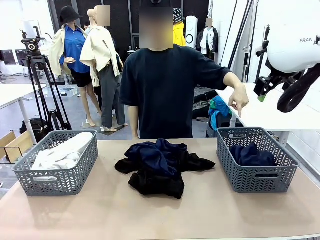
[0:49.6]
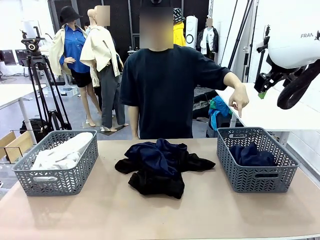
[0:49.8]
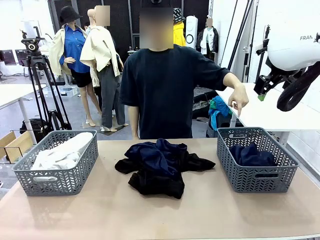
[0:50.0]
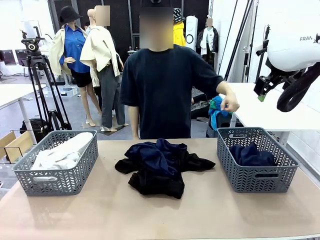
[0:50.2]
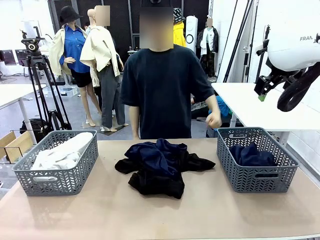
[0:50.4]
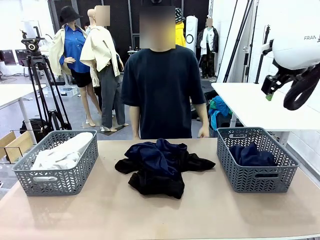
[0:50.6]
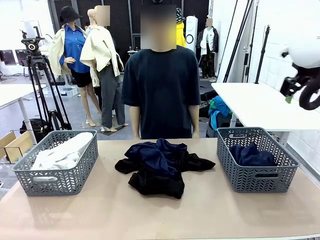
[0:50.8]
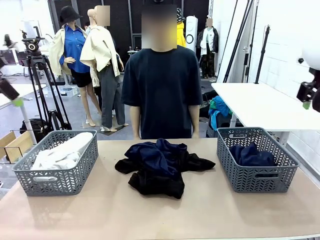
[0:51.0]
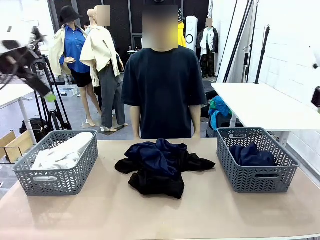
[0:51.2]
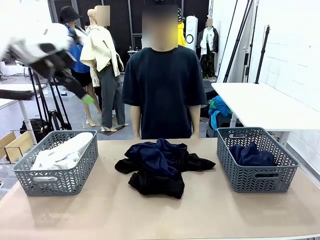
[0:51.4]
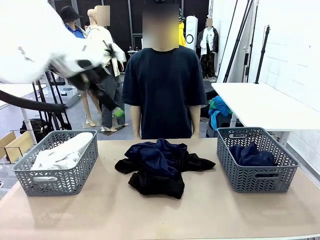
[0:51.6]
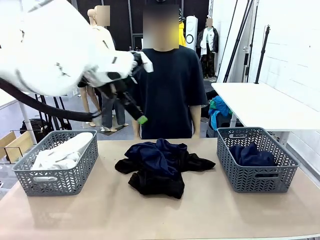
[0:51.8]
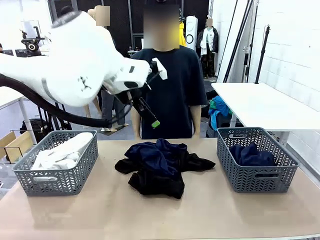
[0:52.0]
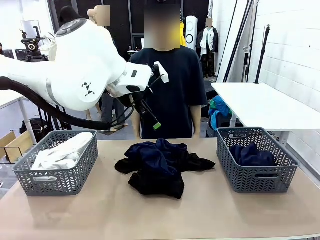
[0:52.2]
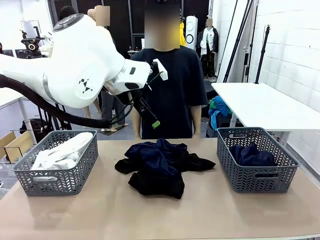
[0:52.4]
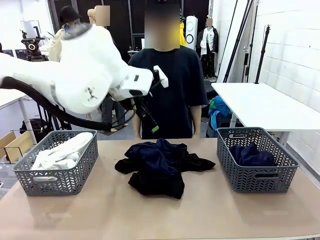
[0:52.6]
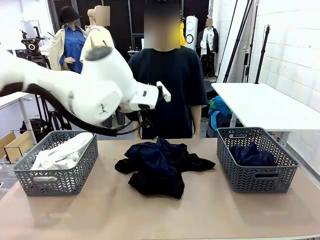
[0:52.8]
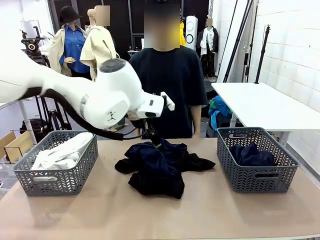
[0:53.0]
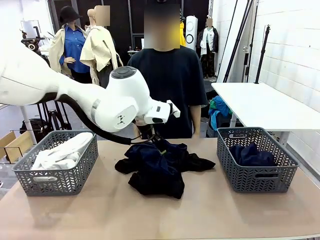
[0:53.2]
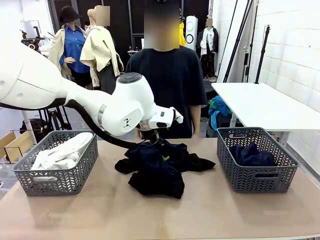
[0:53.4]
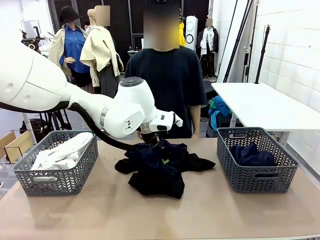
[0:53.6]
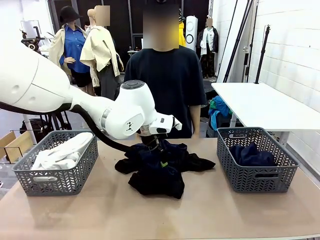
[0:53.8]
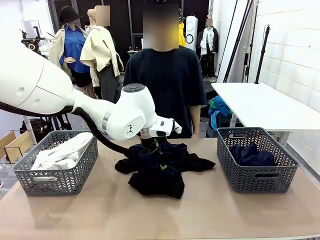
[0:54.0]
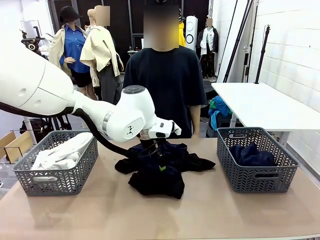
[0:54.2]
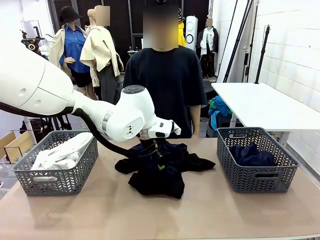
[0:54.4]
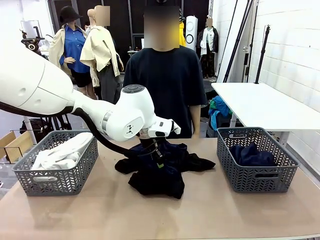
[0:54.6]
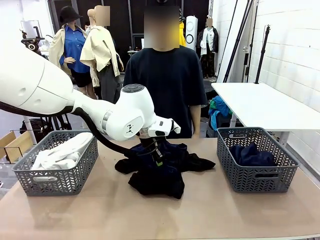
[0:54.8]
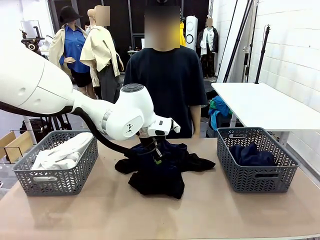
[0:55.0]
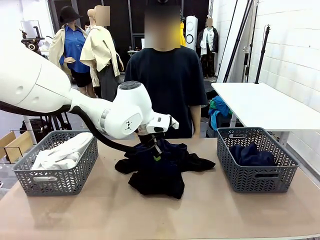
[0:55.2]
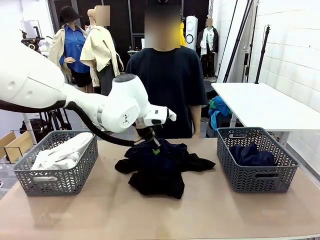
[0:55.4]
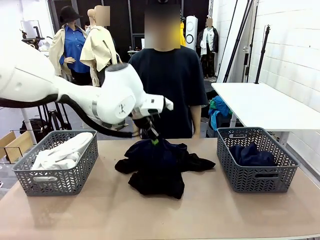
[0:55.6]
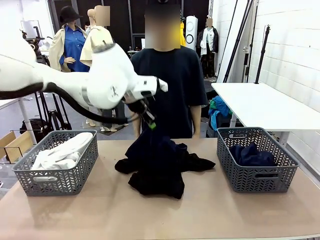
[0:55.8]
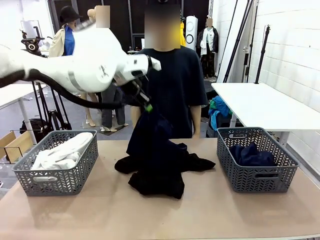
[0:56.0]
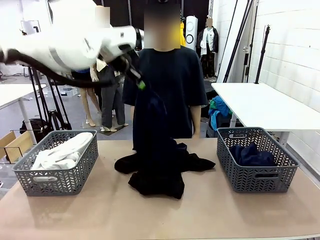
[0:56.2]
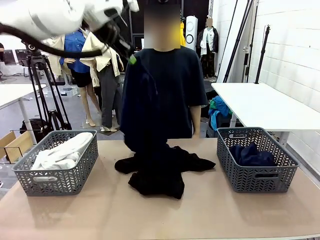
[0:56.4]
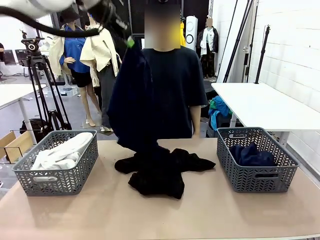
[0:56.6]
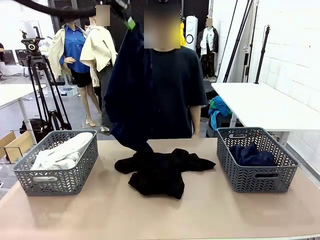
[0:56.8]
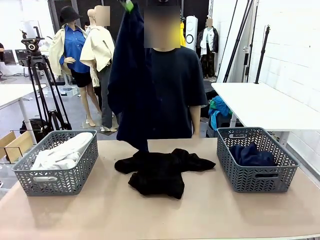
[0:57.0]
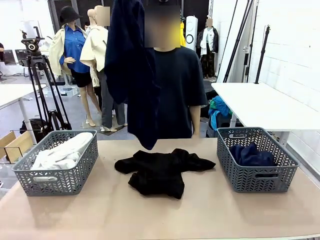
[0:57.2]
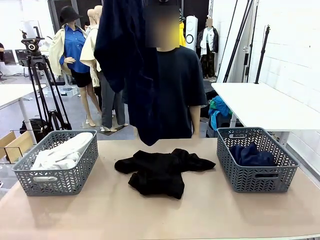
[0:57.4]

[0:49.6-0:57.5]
Task: Sort the tops and bottoms.
Robot: Lift clothes from the center of the table with your left hand.

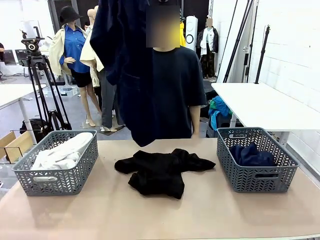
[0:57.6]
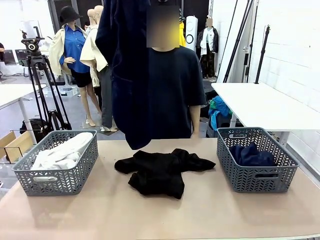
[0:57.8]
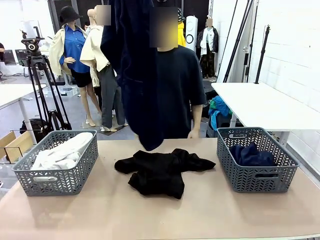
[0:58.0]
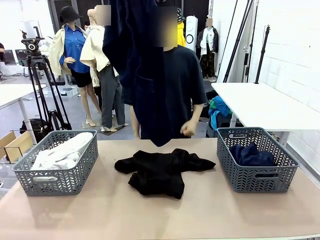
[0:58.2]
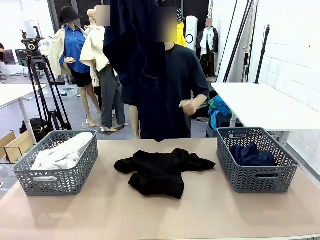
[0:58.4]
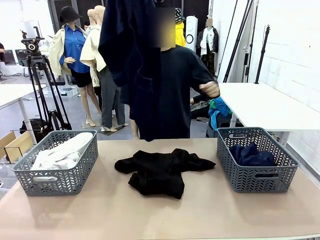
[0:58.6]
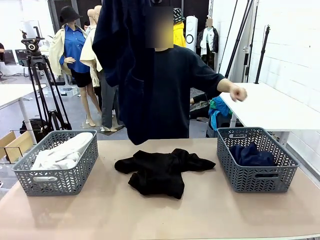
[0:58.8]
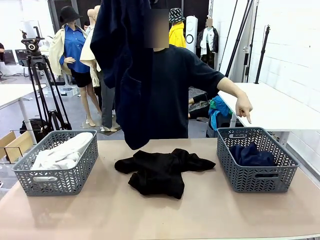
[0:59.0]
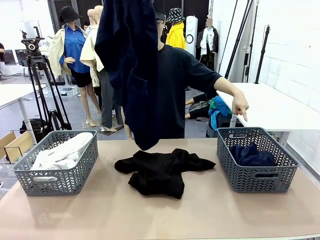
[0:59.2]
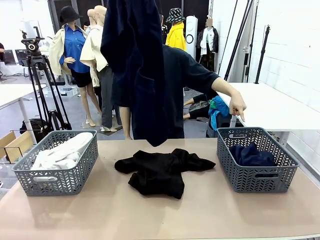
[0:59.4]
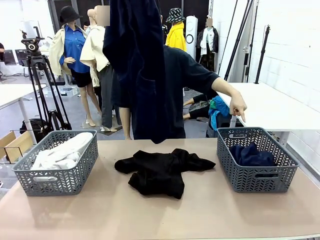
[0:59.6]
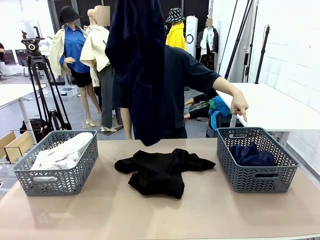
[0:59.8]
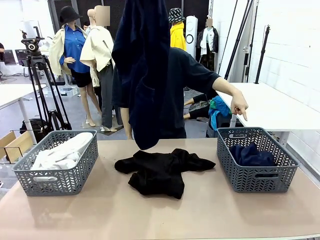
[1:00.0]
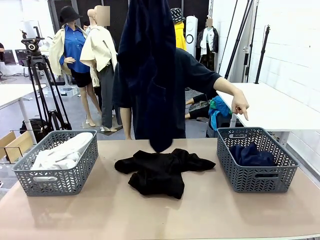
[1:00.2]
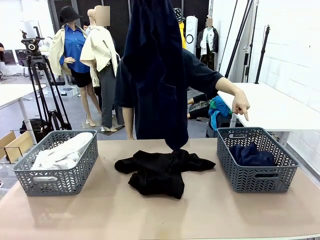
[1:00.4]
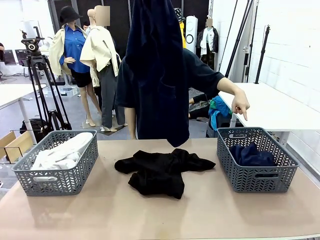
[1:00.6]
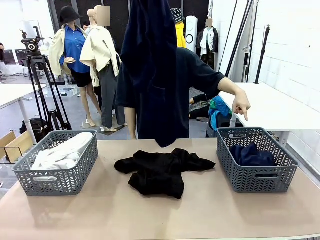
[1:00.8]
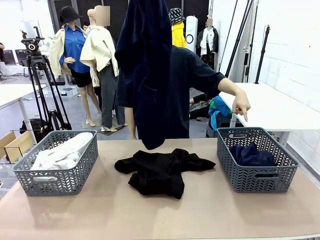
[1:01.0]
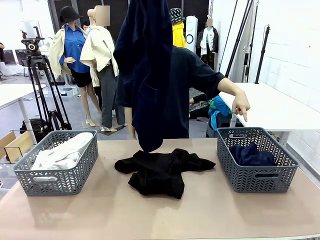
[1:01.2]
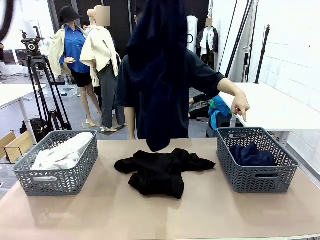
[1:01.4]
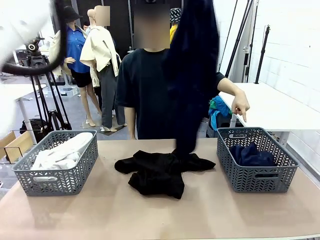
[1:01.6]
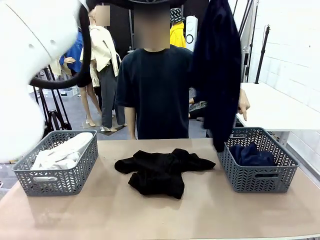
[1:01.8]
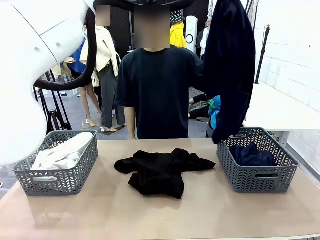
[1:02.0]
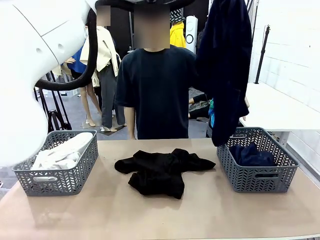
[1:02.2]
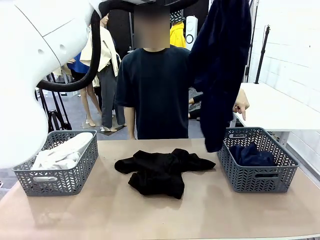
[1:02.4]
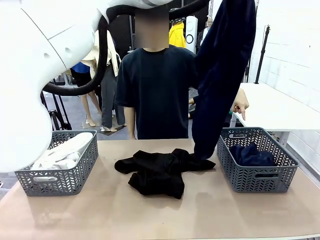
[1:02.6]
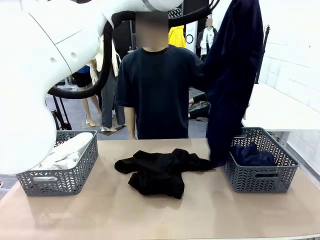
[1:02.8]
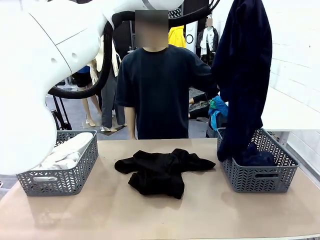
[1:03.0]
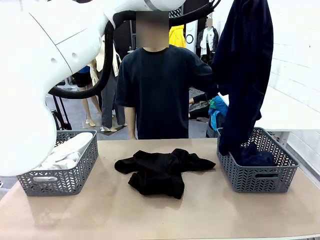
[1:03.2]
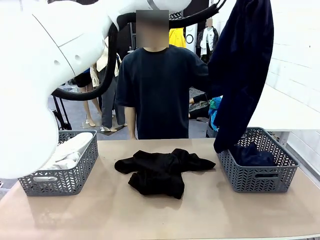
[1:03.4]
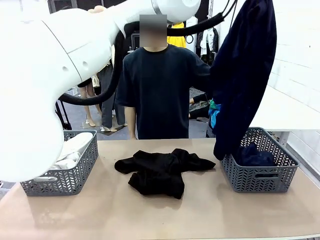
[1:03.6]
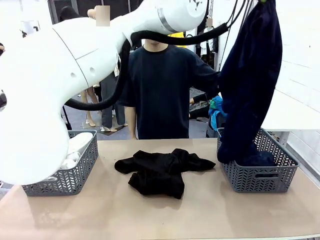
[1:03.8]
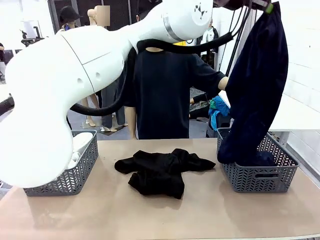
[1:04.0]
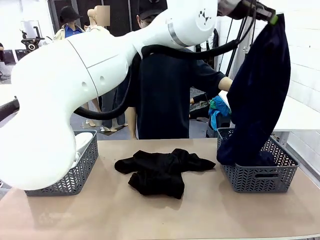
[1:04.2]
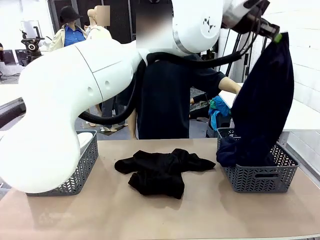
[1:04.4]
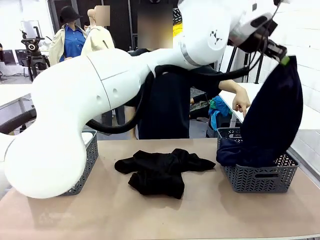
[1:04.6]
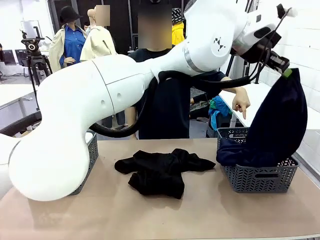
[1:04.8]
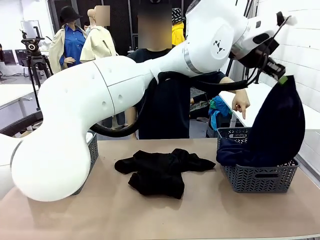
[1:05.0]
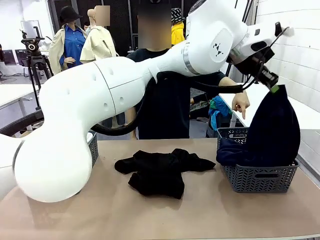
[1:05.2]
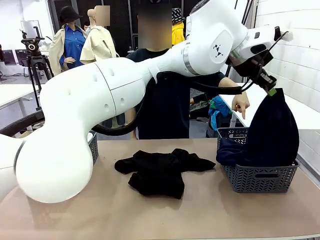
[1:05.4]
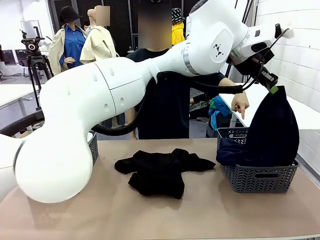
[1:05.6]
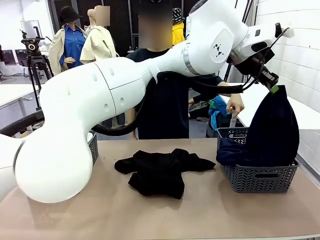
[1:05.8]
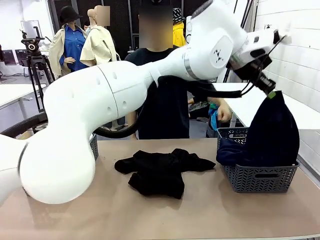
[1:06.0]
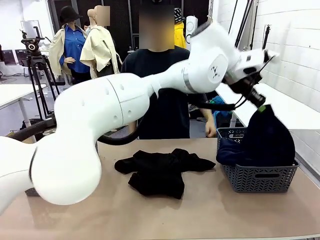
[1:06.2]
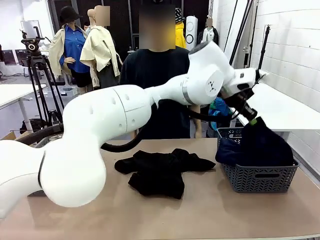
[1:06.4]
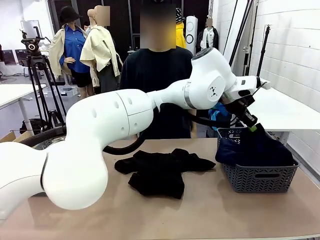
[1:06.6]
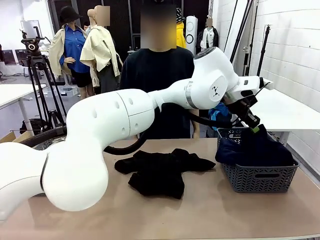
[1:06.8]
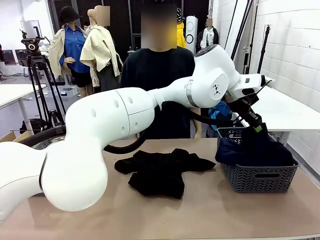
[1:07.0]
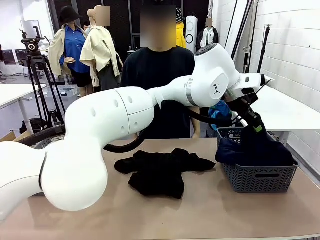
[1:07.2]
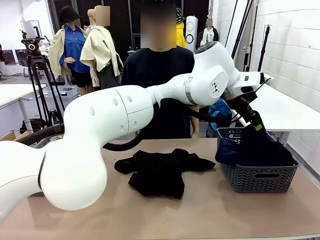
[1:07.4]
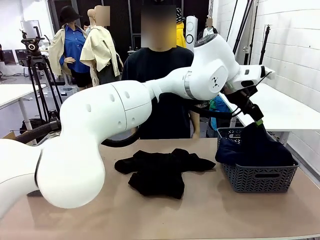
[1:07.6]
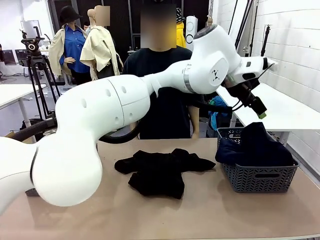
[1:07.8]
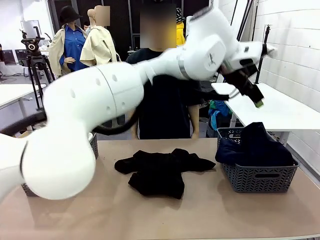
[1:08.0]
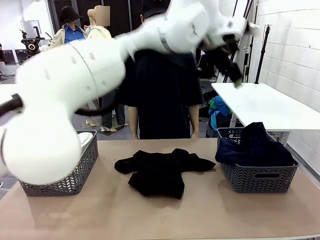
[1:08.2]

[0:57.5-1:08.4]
Robot: Sort the clothes according to human instructions.
